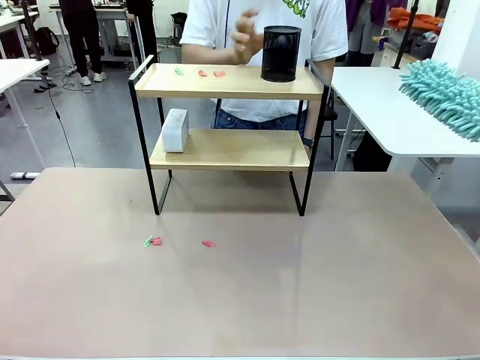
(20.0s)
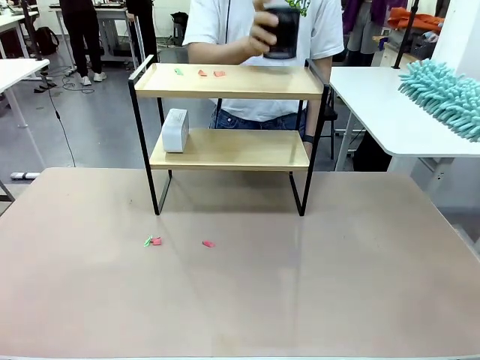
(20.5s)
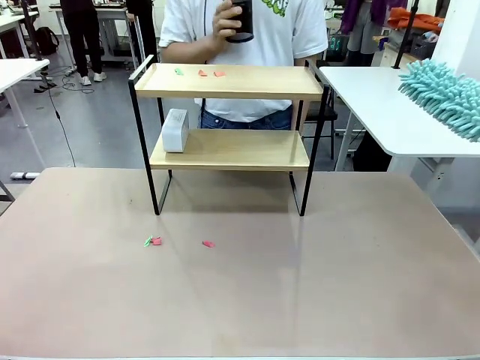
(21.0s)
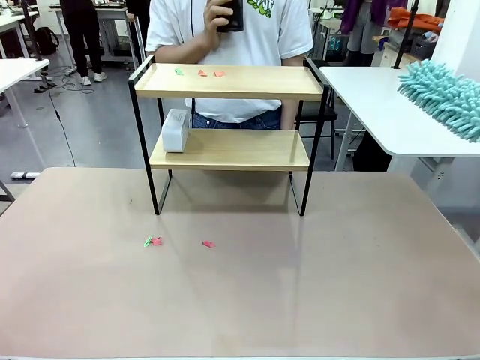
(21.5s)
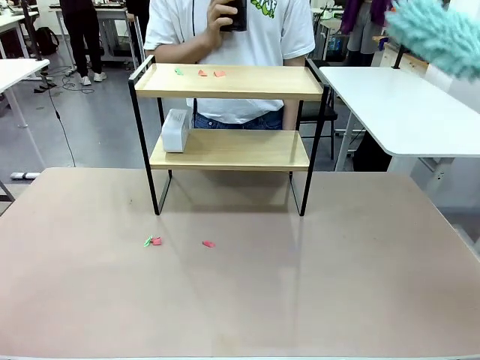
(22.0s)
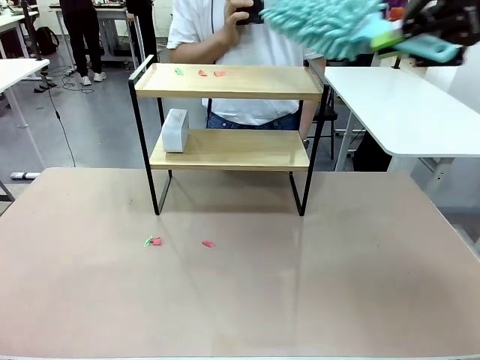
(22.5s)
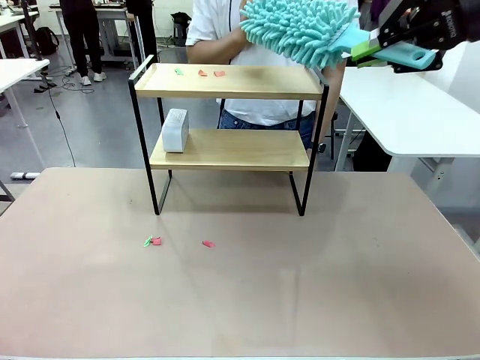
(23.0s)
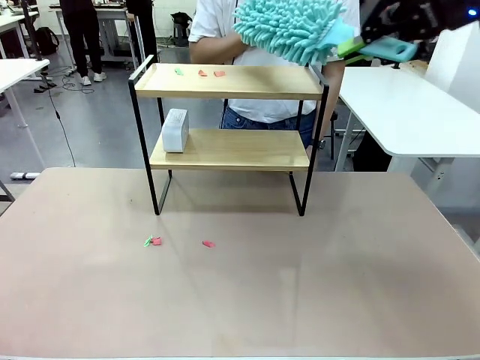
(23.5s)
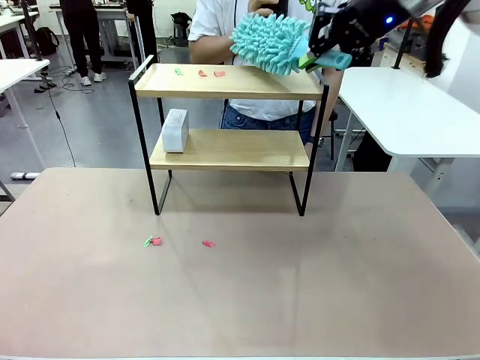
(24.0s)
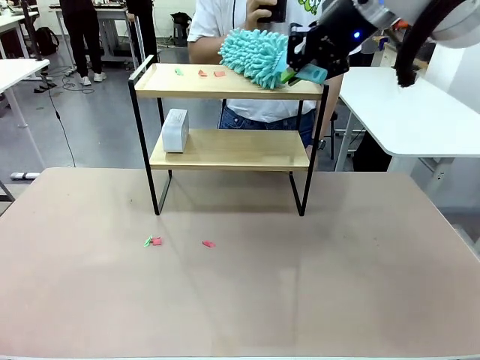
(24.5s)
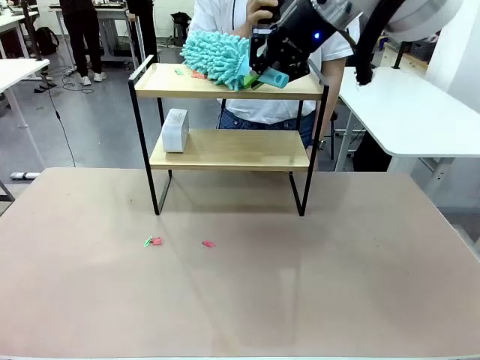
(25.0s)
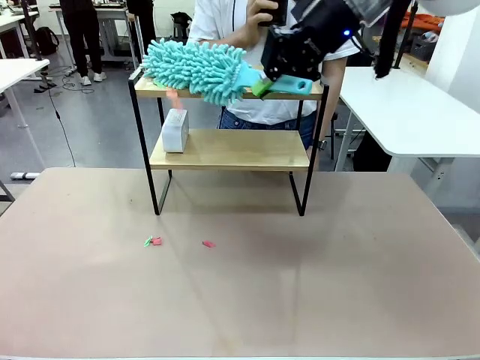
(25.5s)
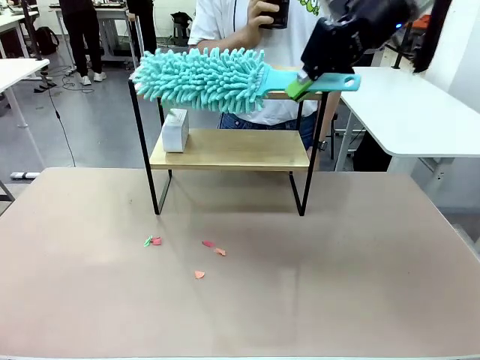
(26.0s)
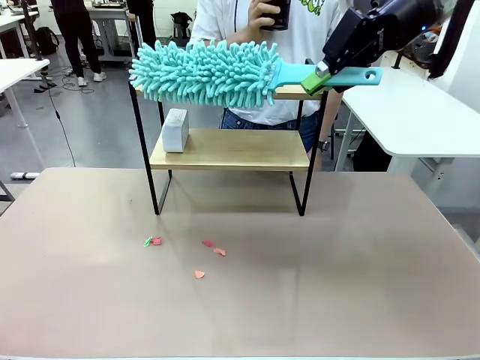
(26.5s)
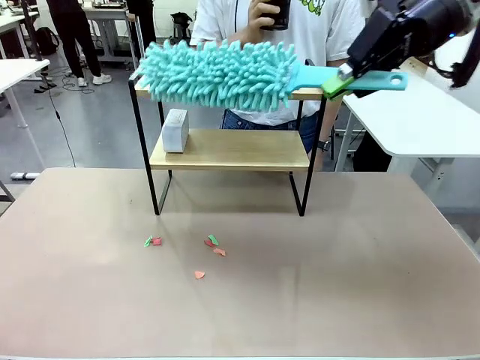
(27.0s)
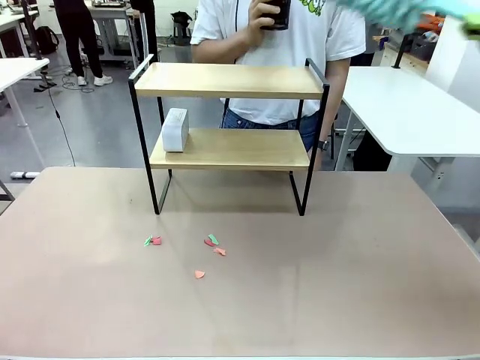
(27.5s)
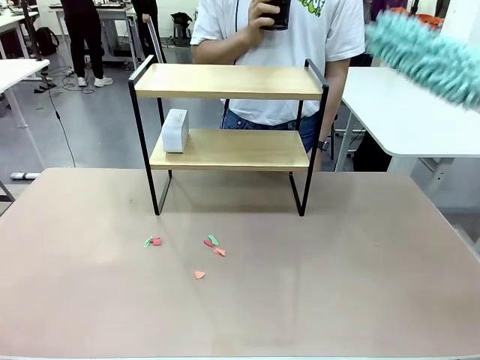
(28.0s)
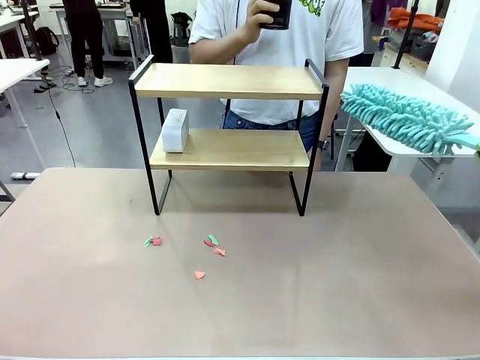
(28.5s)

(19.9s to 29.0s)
Task: Clean the shelf.
Robot: Clean the remaining tier of the Shelf with the Duster once objects are removed.

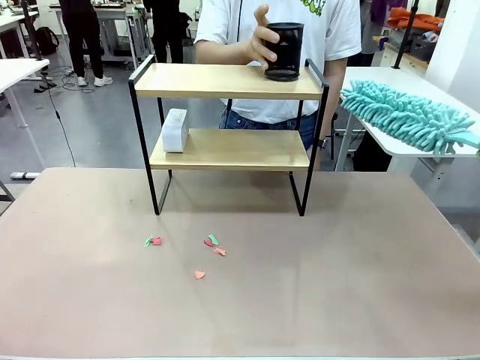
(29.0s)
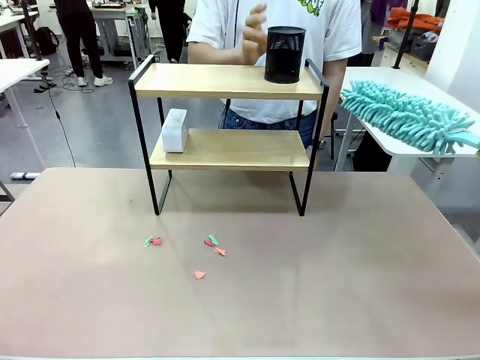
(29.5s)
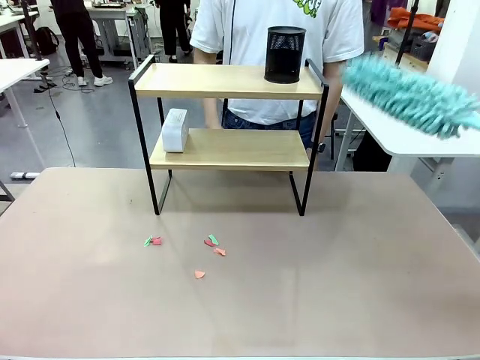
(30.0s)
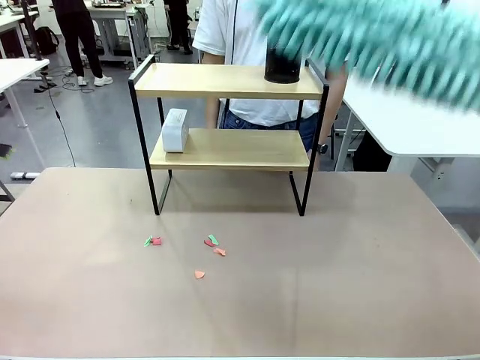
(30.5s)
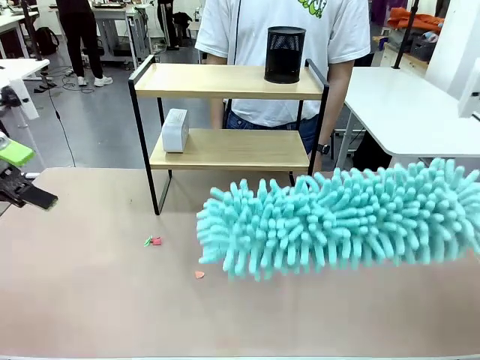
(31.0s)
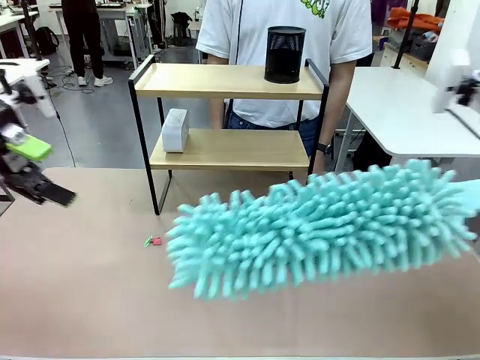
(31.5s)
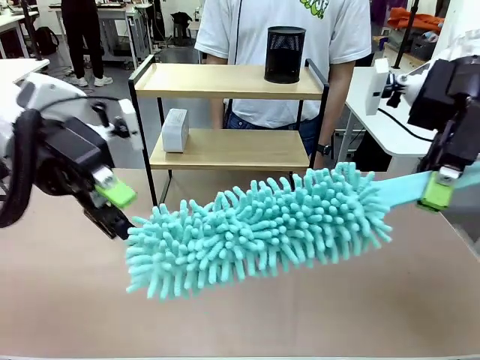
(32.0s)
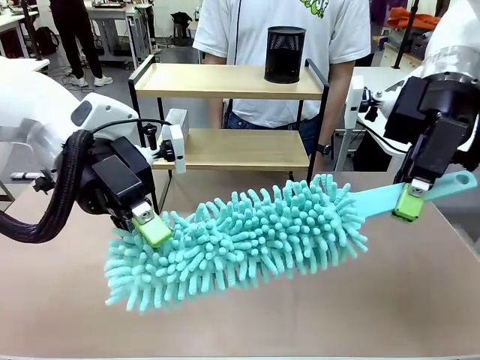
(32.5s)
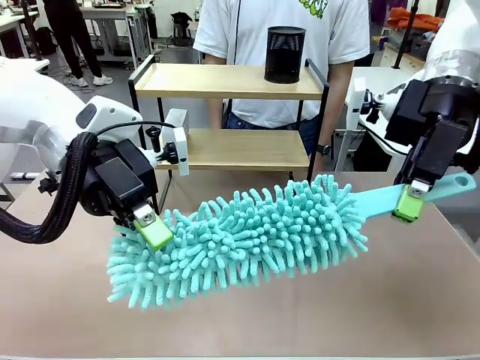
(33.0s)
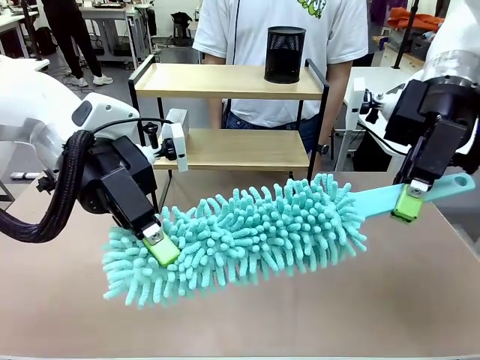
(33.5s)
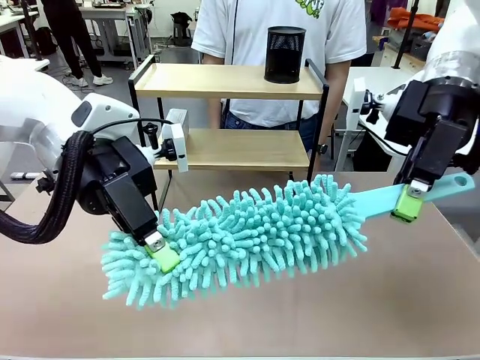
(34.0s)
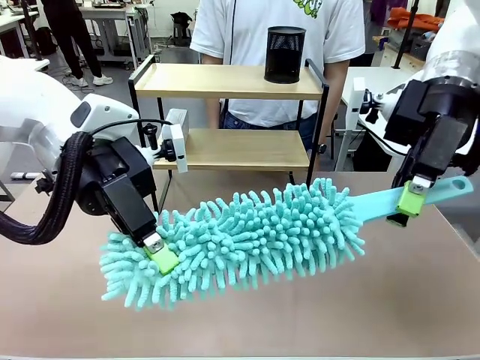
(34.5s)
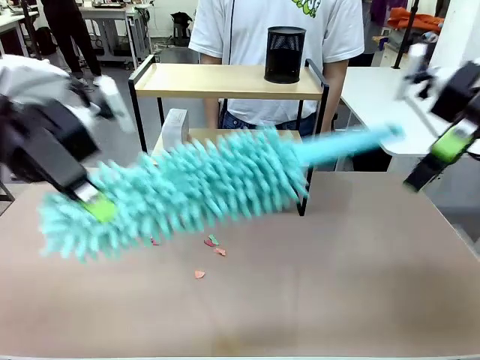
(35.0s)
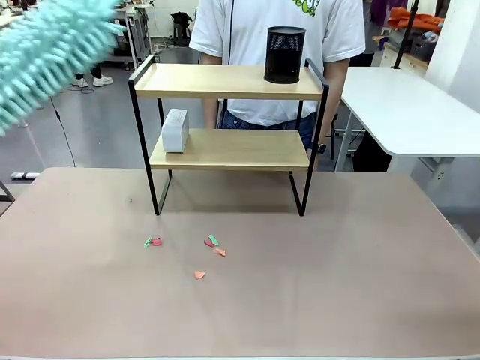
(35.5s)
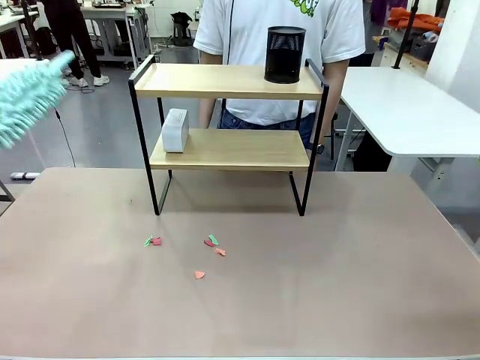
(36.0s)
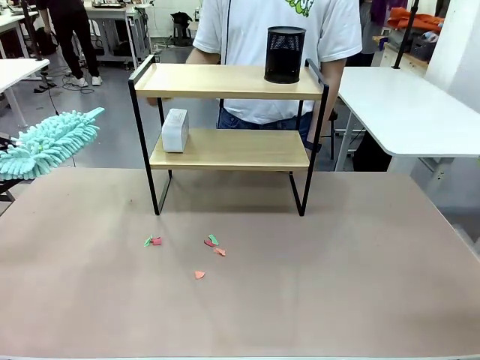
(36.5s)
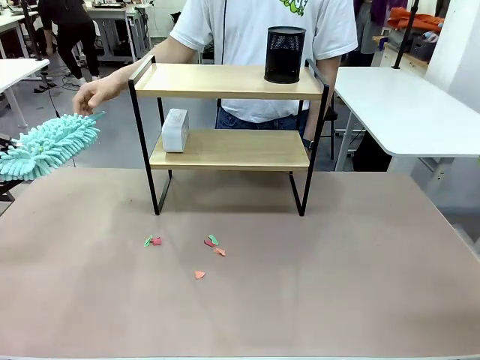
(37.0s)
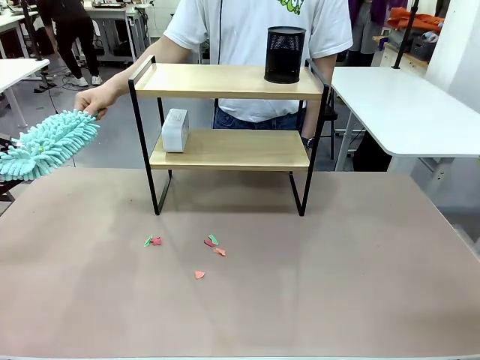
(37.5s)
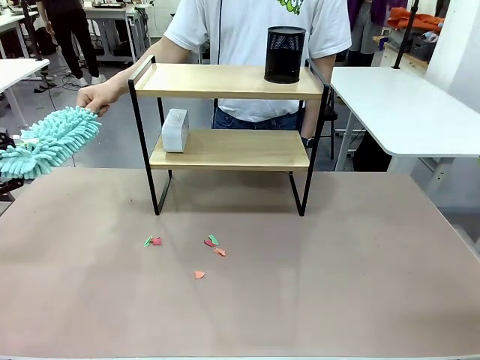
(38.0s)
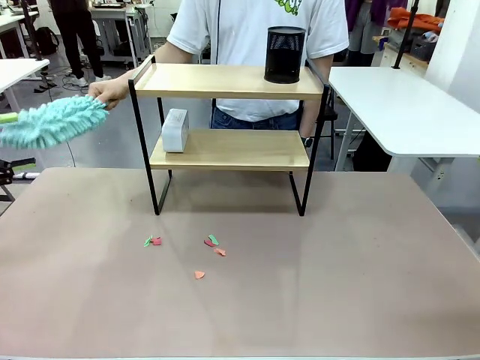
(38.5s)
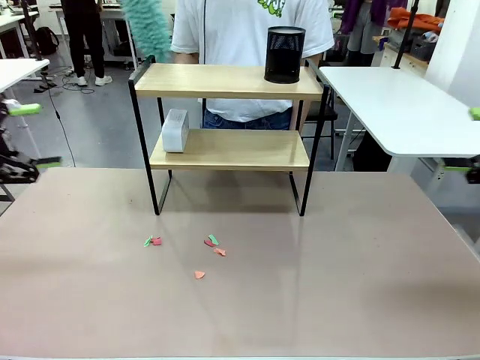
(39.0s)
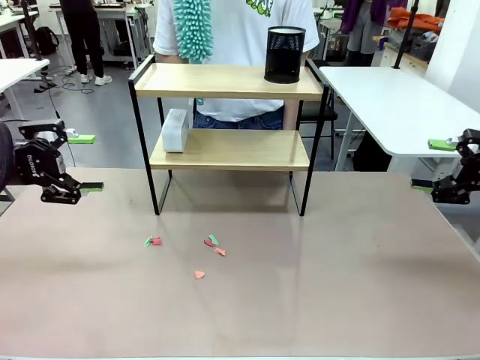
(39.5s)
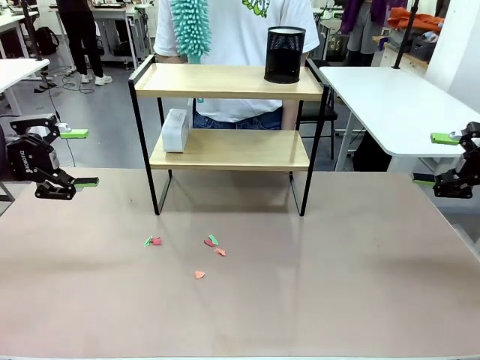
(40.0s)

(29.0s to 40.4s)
Robot: Hand the Duster back to the human.
Person: Receive the Duster from the robot.

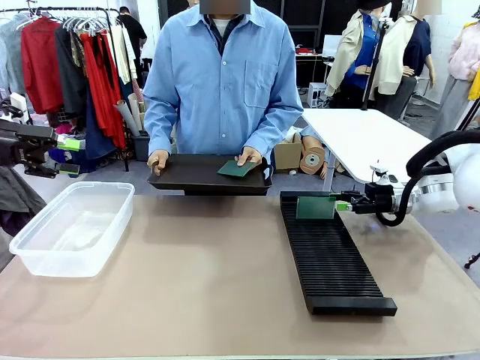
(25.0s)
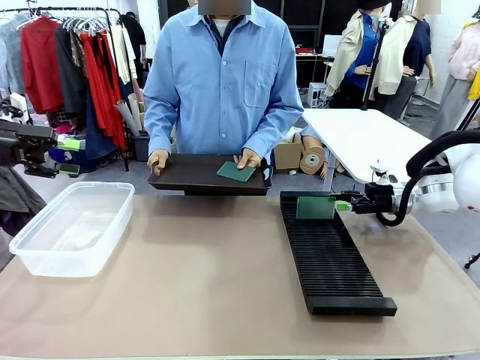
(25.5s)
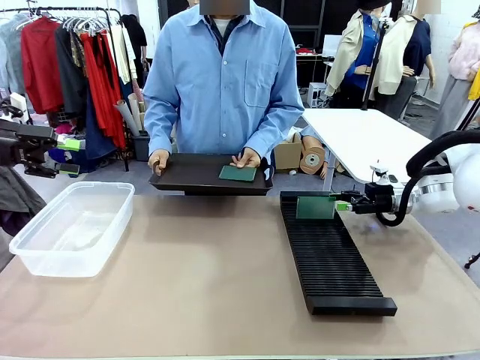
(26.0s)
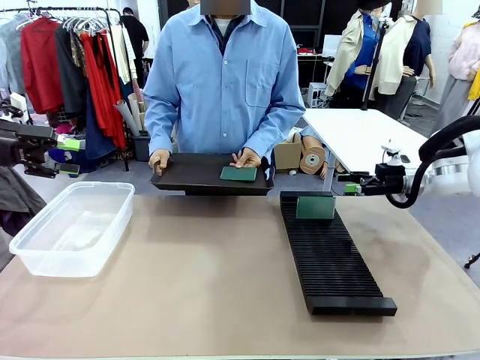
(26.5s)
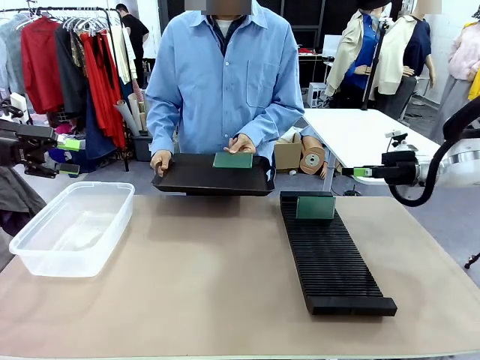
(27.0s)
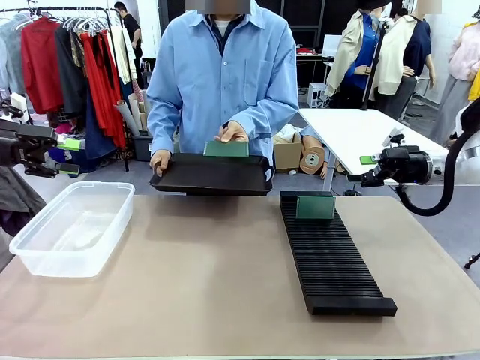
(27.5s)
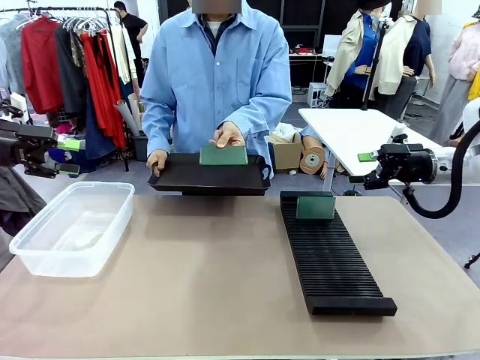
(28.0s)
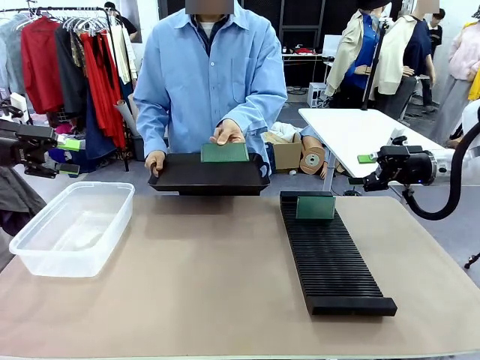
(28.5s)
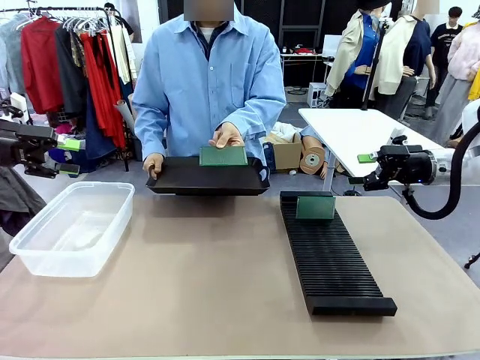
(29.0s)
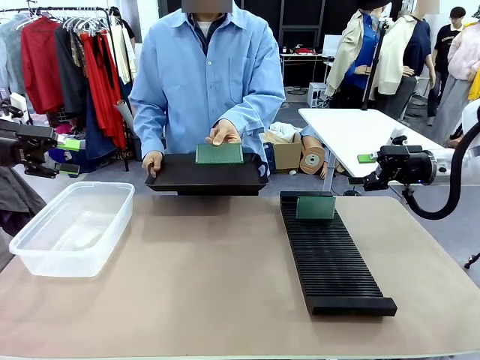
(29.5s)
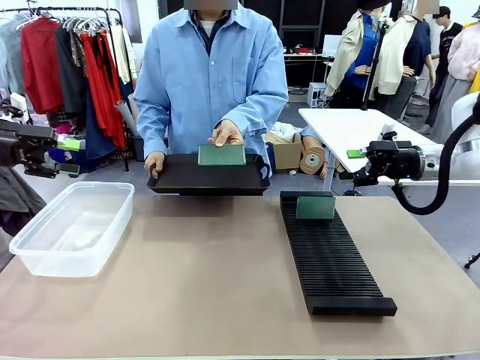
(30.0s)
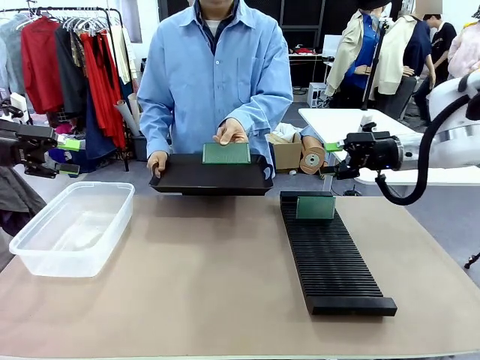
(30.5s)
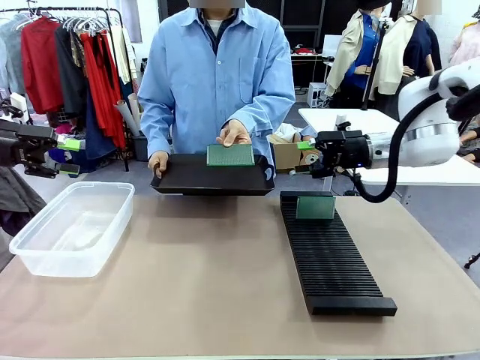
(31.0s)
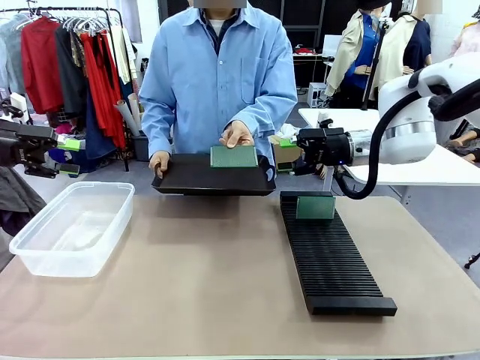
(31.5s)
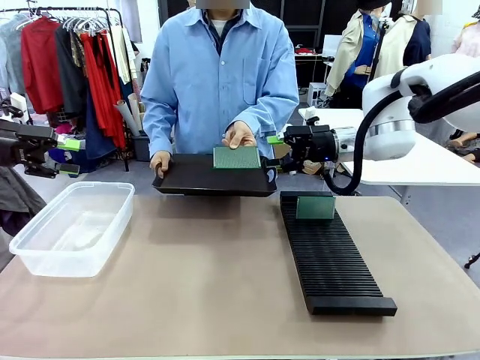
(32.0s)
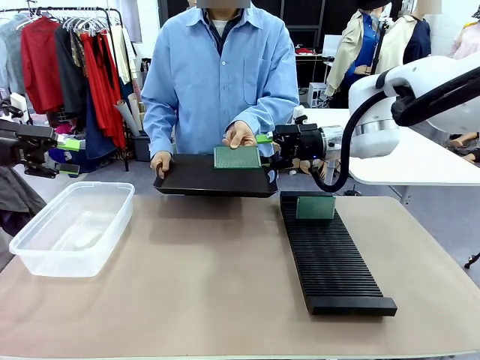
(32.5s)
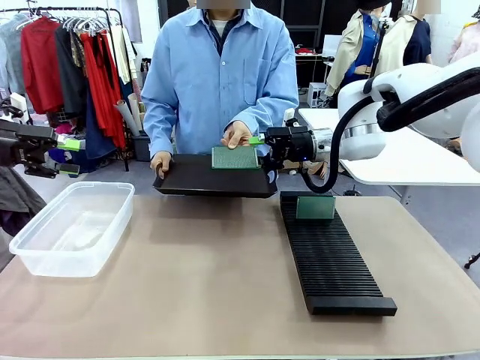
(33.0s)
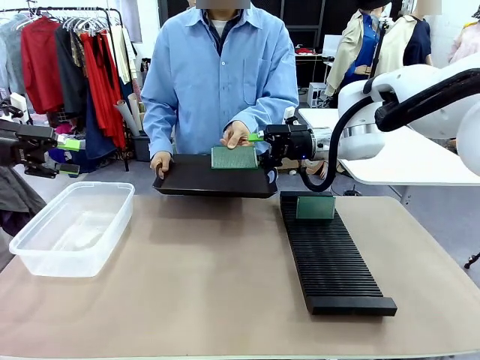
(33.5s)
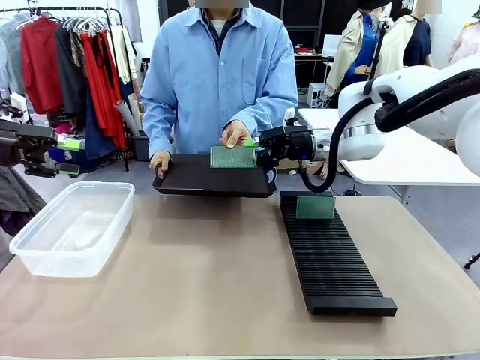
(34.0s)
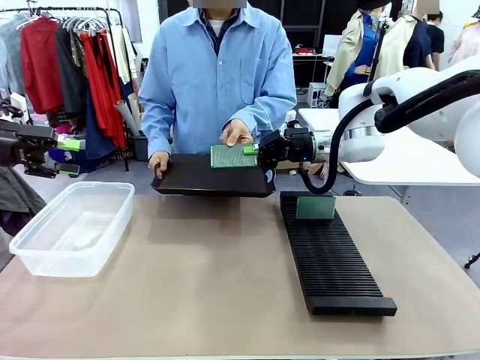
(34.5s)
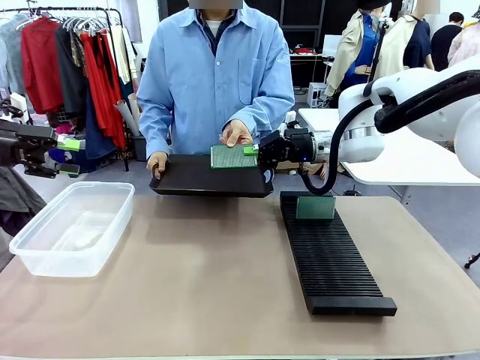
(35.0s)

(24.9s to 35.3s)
Task: Sort PCBs into racks and boxes based on the side picked up.
Robot: Pick up the Blank PCB handed by the Human.
